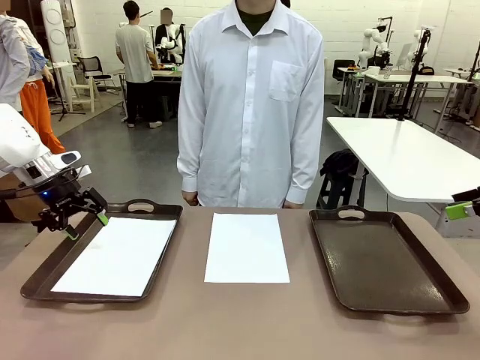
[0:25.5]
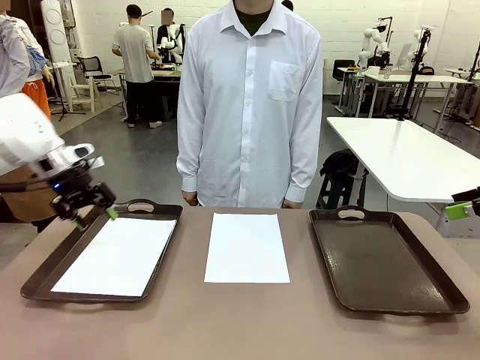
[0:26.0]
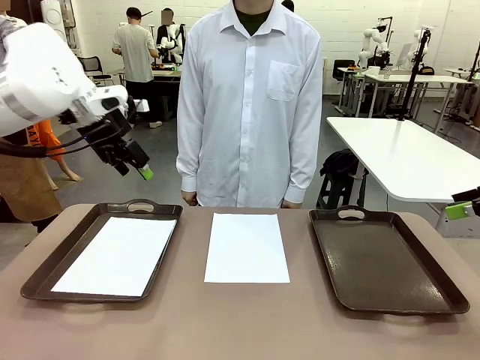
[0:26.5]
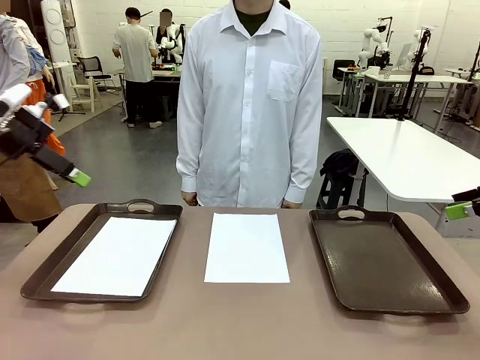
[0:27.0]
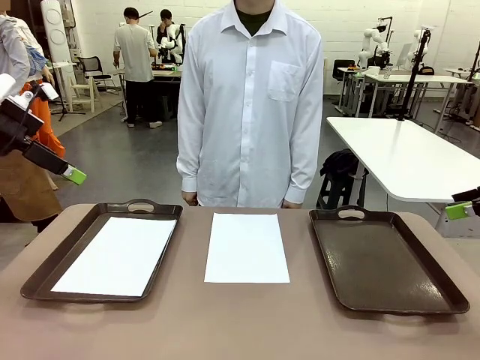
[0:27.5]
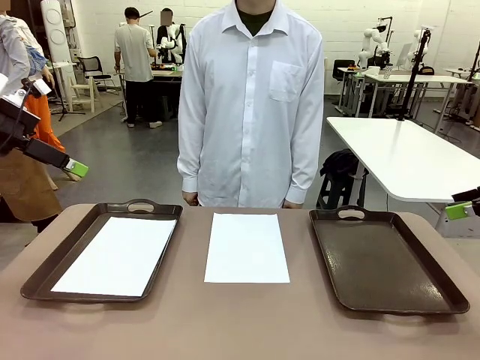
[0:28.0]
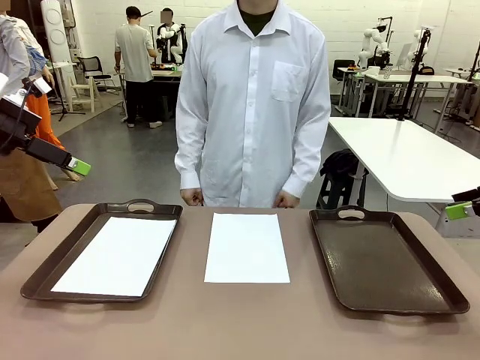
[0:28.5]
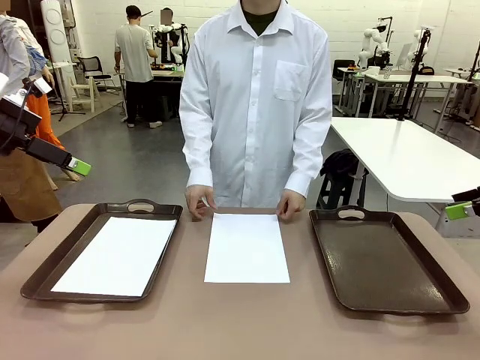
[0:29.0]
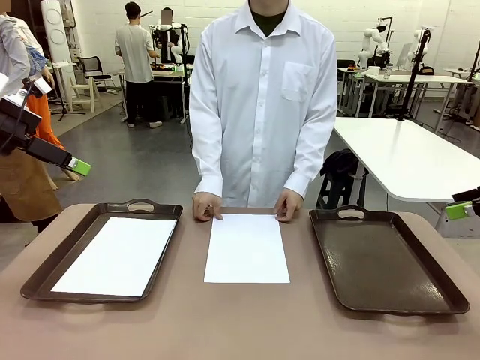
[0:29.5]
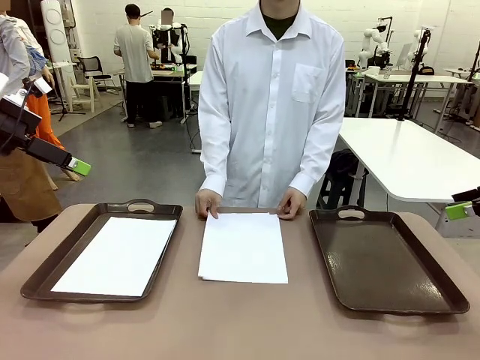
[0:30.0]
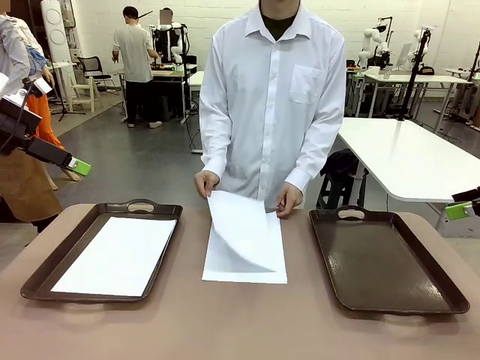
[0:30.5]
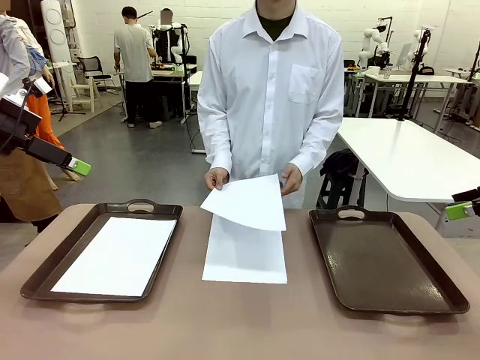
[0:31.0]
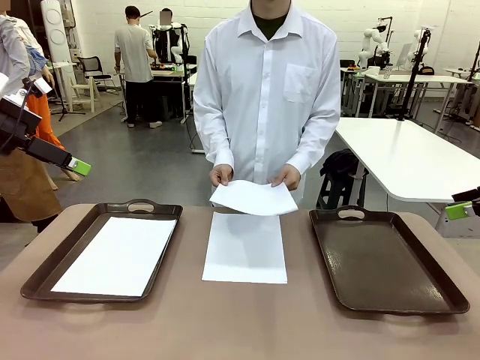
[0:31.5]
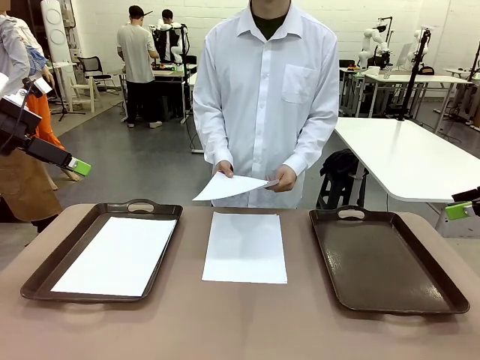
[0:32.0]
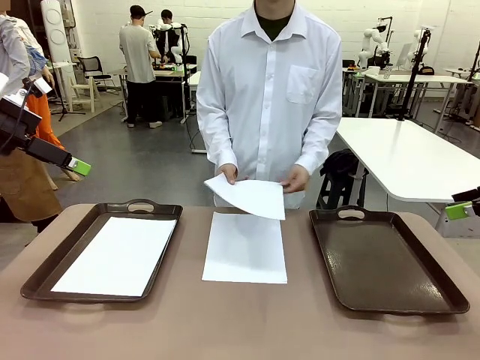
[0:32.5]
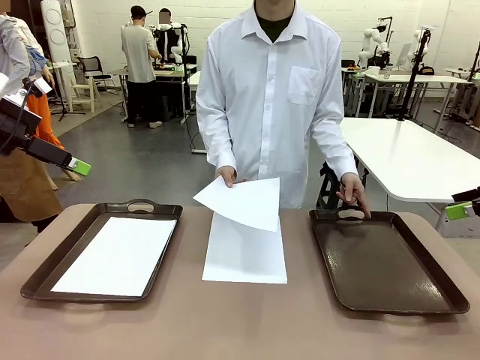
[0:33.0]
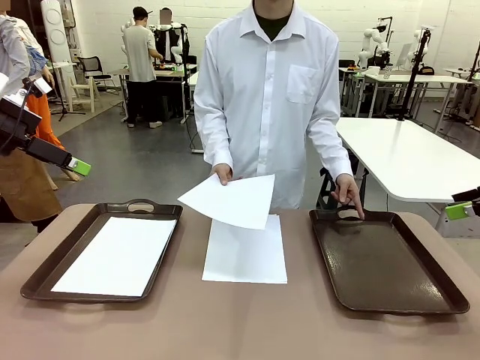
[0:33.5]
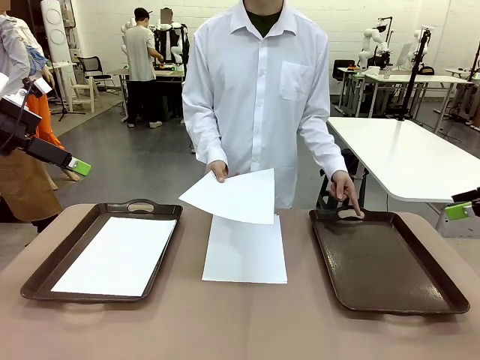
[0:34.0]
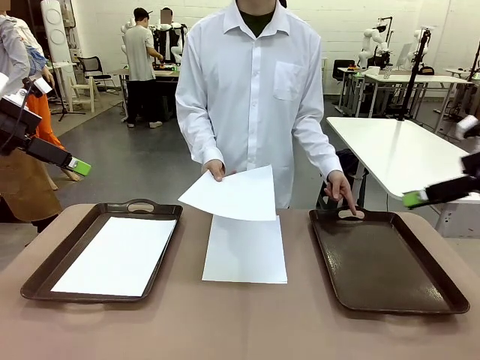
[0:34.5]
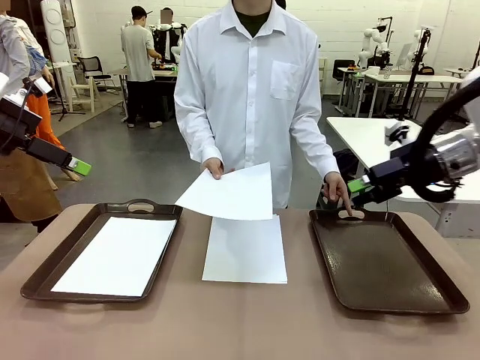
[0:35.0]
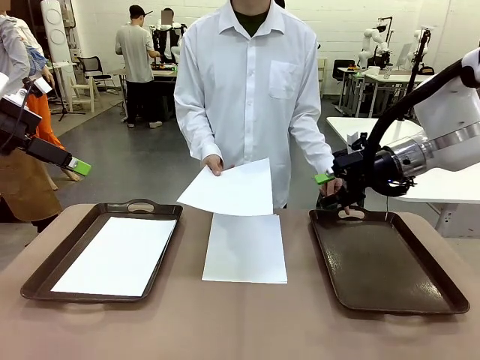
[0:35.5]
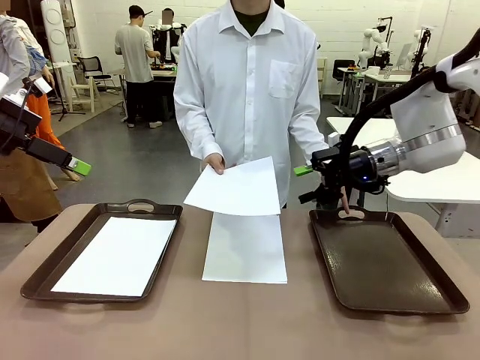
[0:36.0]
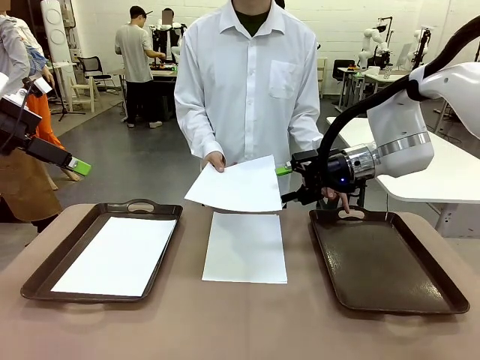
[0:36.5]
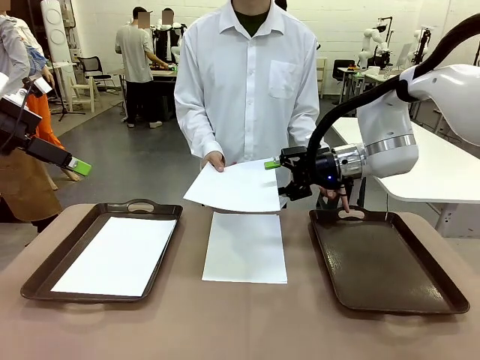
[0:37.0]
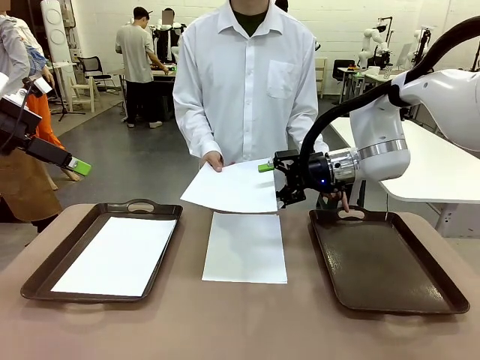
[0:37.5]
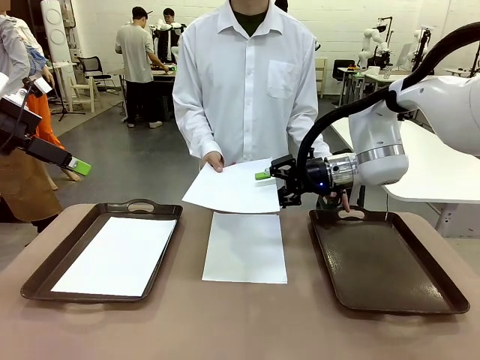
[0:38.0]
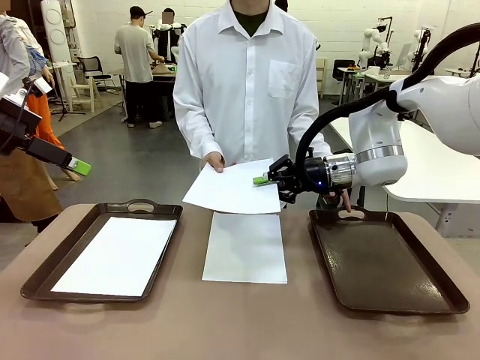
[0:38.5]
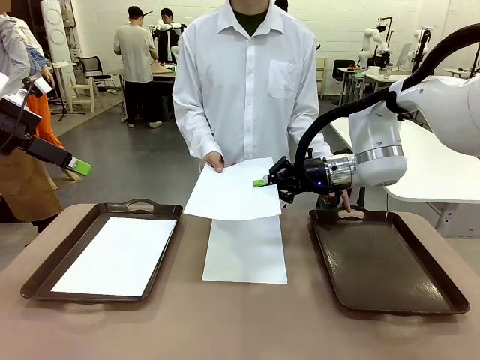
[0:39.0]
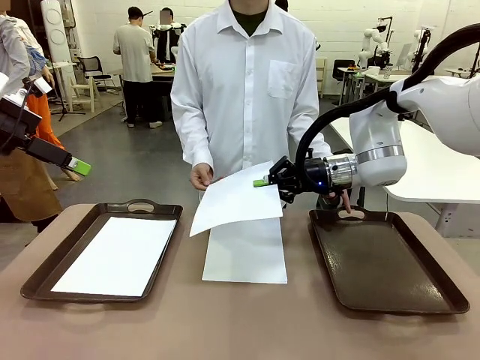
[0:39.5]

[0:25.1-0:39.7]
Task: Sort the A4 documents.
Robot: Receive the A4 Paper.
Person: Point the randomly selected tray with the other hand.

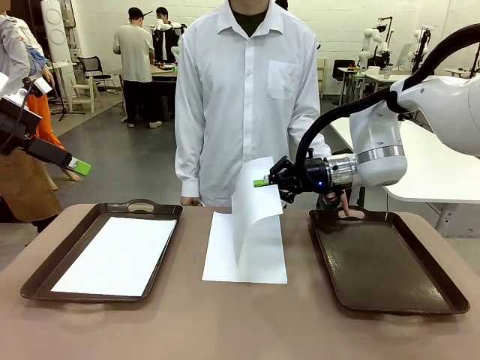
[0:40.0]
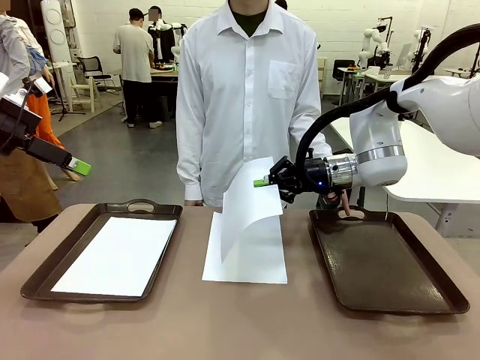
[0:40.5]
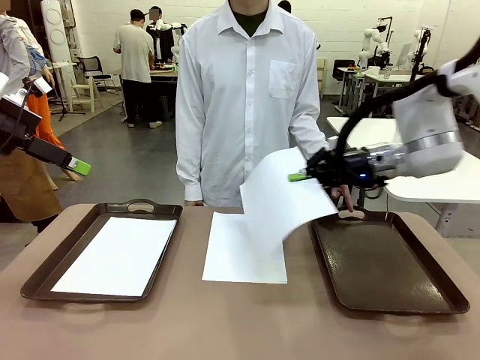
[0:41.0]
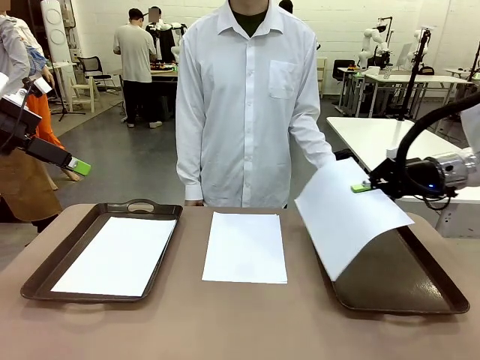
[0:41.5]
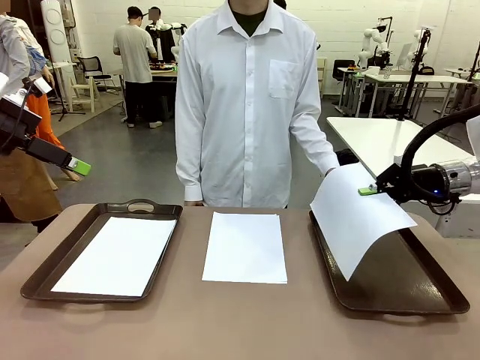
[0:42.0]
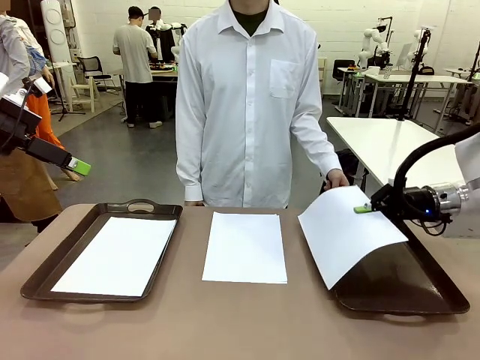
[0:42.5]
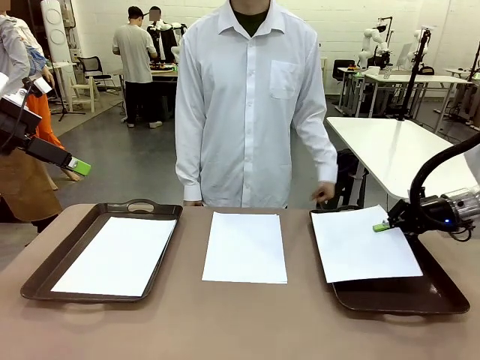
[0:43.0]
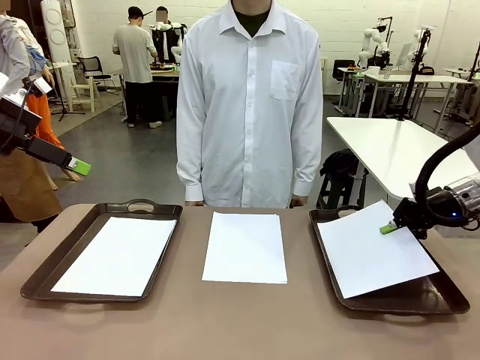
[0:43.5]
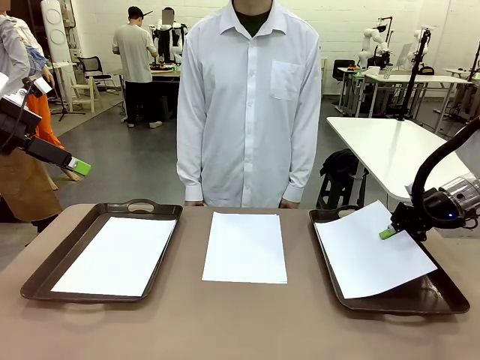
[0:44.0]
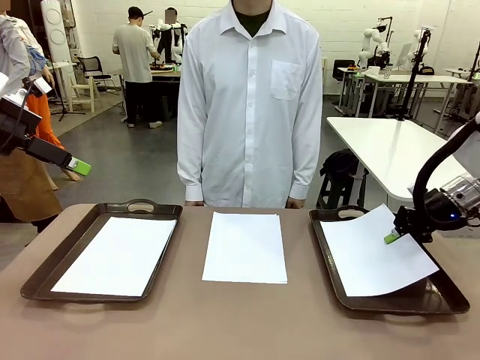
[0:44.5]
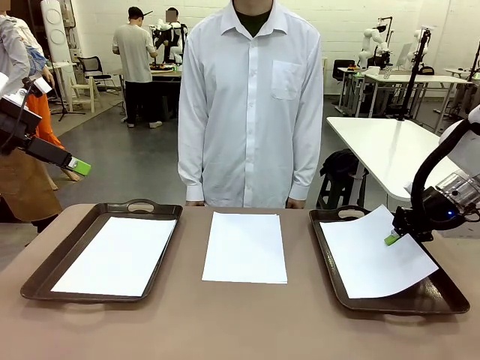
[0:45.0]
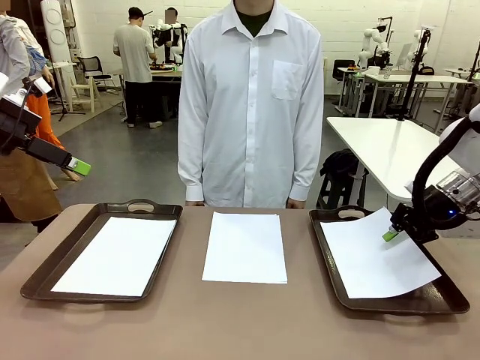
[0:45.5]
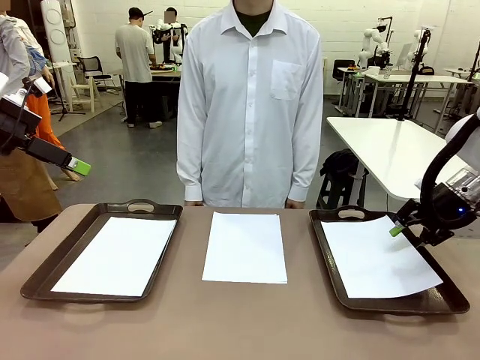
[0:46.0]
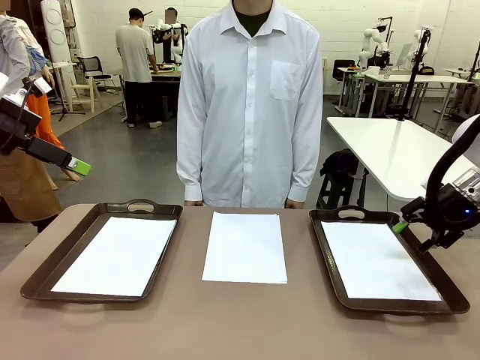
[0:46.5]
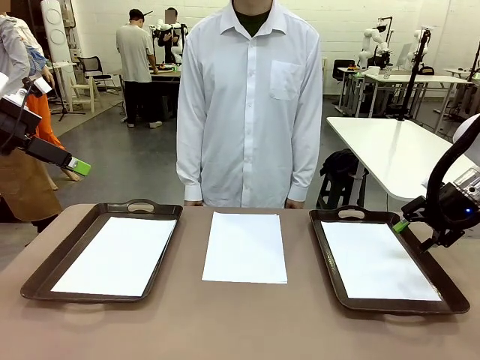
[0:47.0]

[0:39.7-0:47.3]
Robot: Place the A4 Paper in the designated Handle tray.

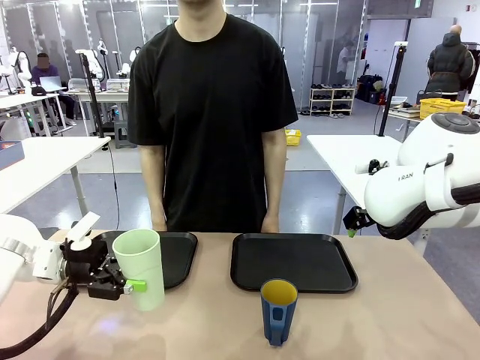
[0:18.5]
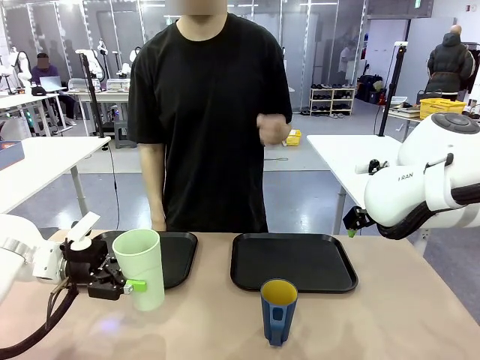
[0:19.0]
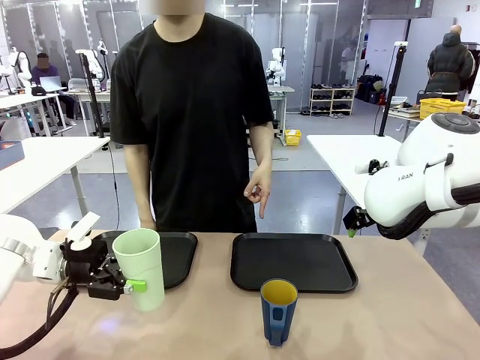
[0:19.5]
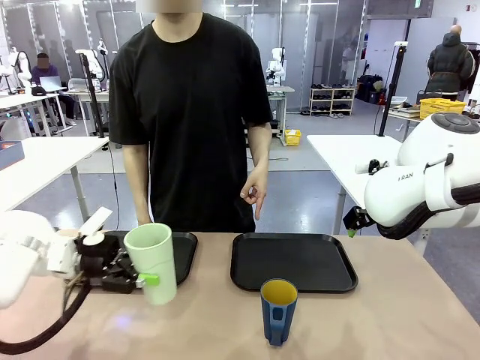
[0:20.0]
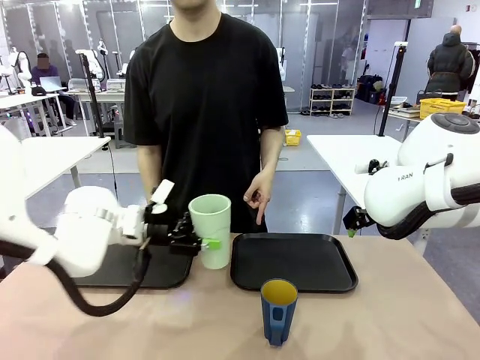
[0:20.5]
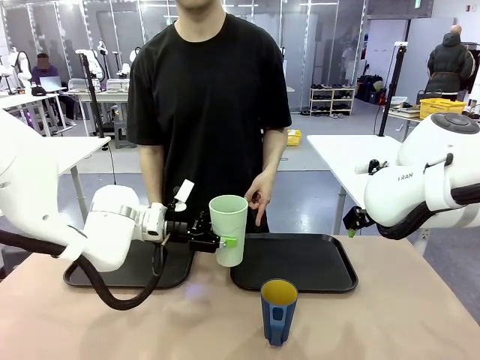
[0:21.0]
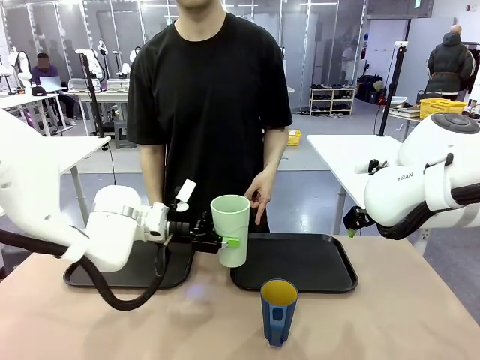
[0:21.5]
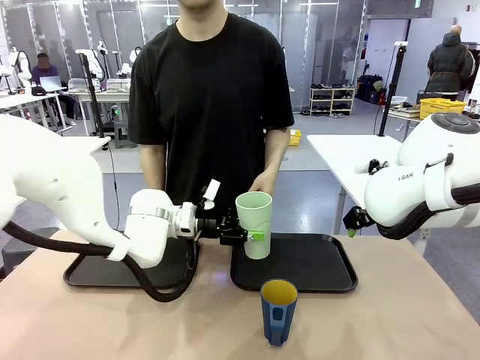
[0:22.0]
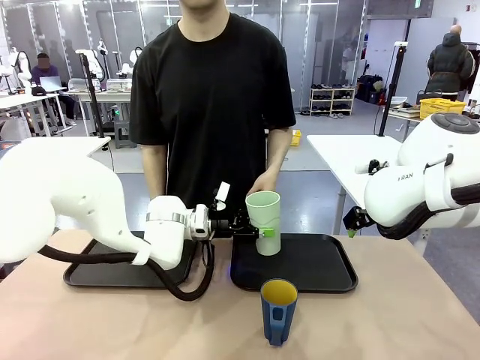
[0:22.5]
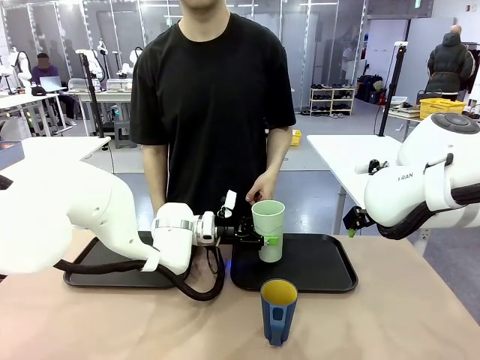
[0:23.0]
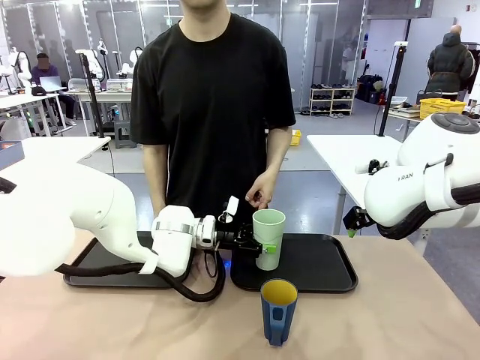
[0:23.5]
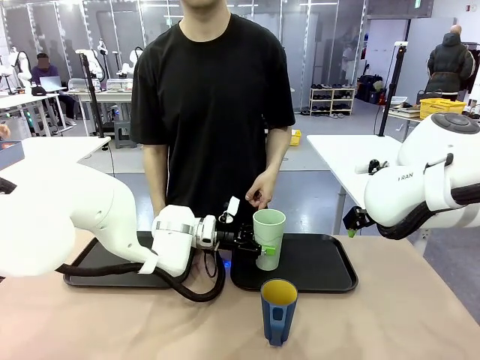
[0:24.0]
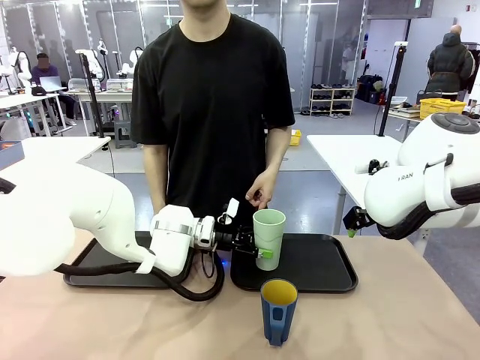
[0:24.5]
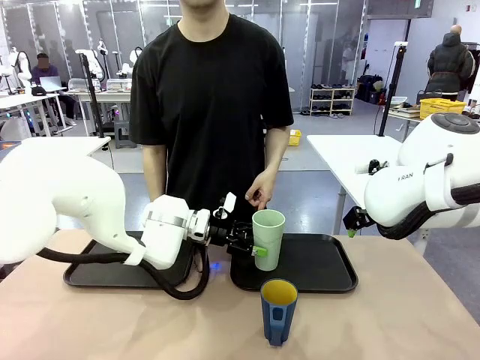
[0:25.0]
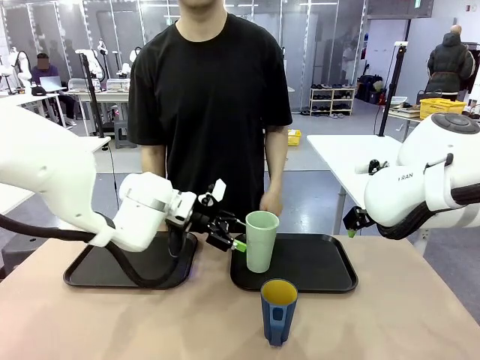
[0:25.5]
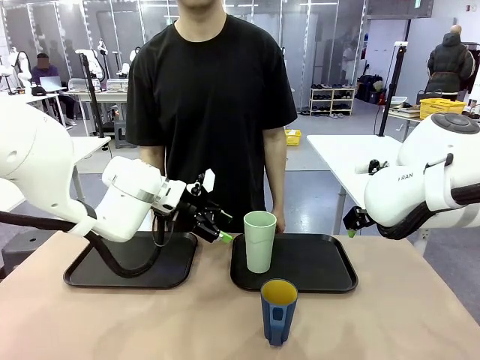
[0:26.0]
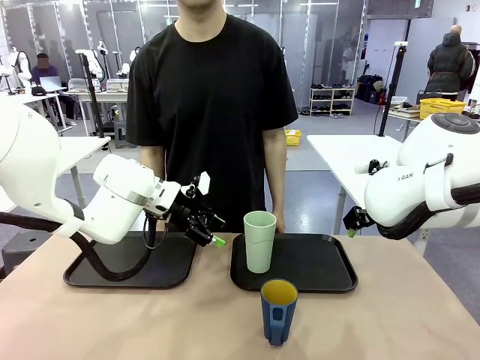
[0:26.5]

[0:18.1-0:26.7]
Task: Sort and store the cups by type.
Robot: Place the picked Reusable plastic cup into the Flat Tray indicated by the person.
